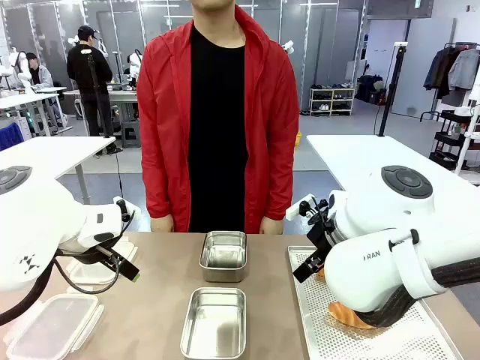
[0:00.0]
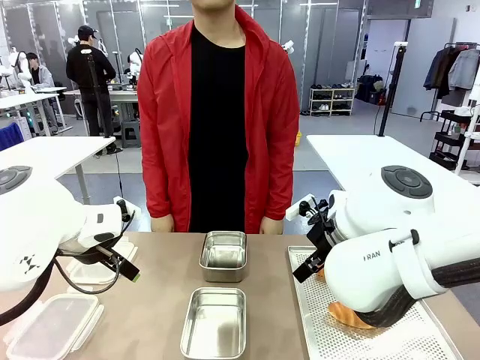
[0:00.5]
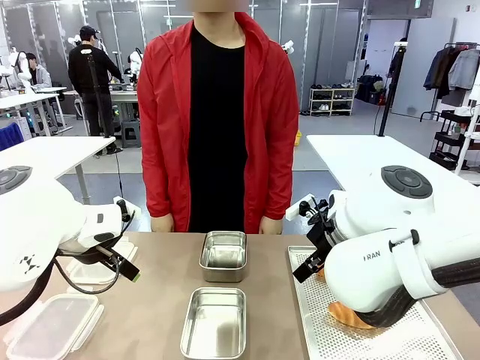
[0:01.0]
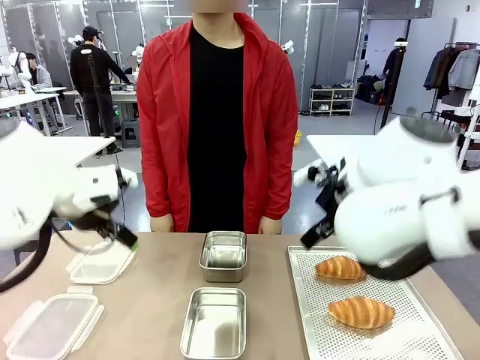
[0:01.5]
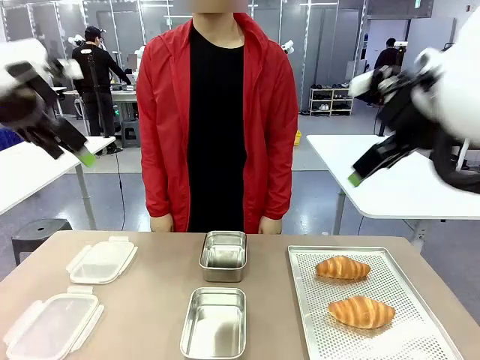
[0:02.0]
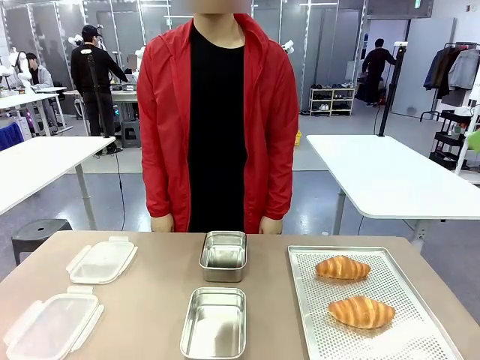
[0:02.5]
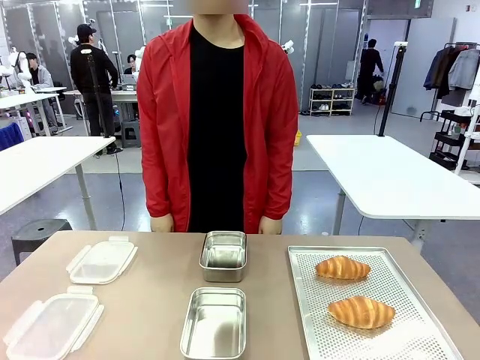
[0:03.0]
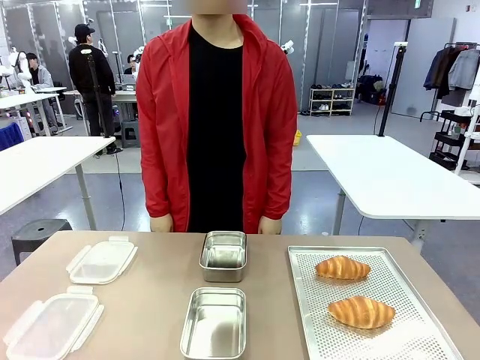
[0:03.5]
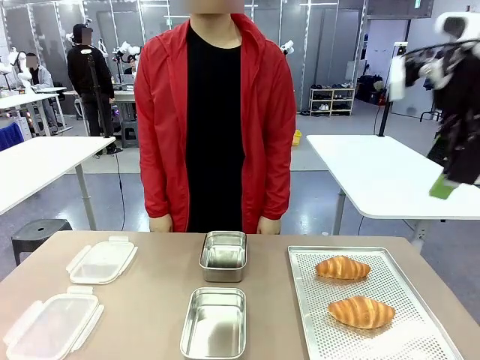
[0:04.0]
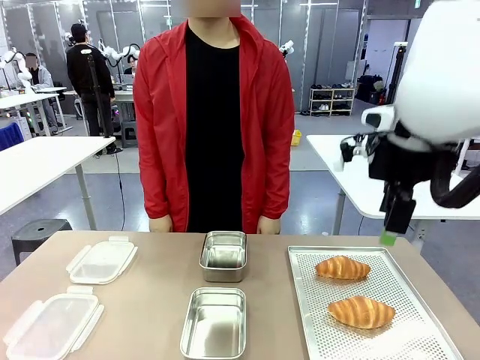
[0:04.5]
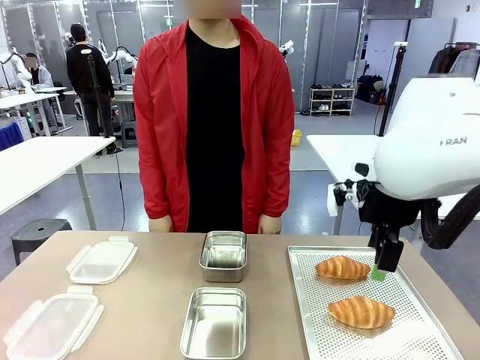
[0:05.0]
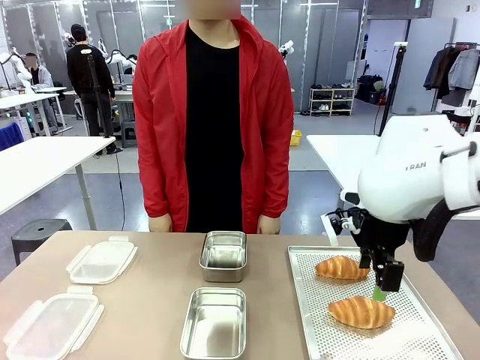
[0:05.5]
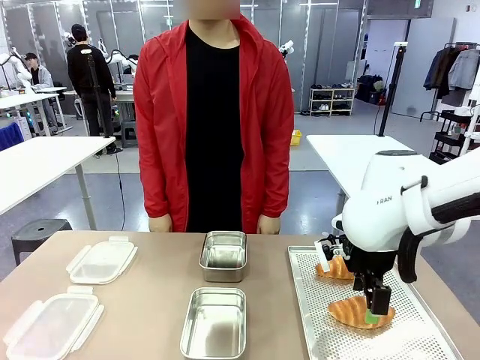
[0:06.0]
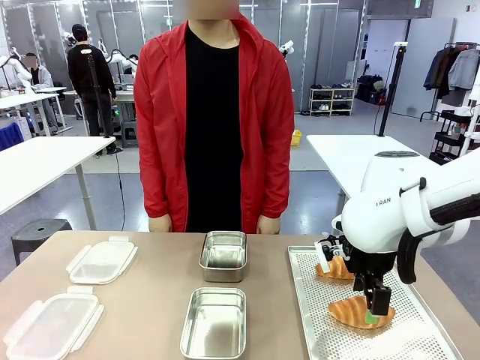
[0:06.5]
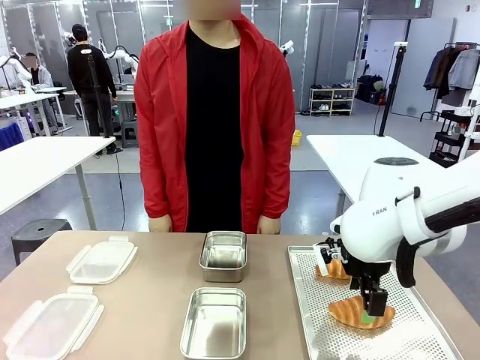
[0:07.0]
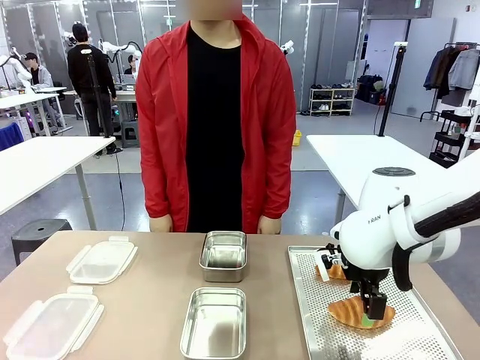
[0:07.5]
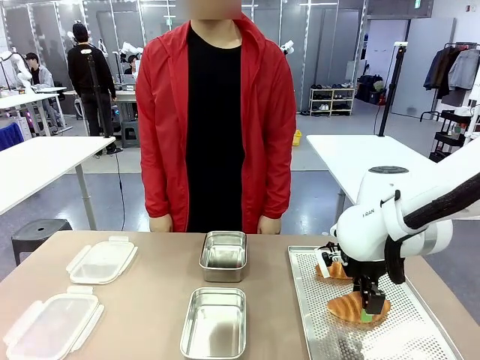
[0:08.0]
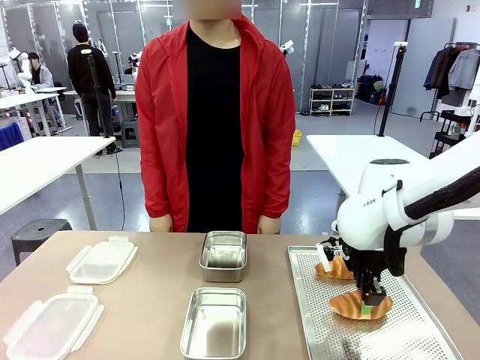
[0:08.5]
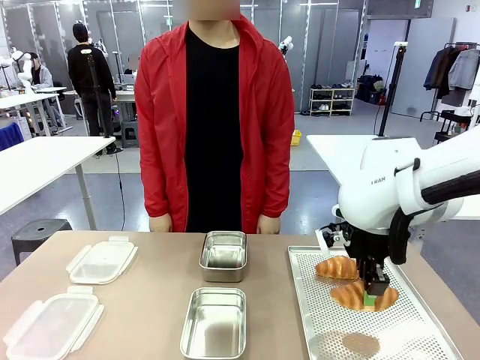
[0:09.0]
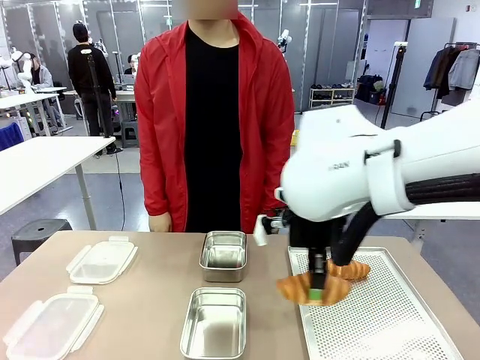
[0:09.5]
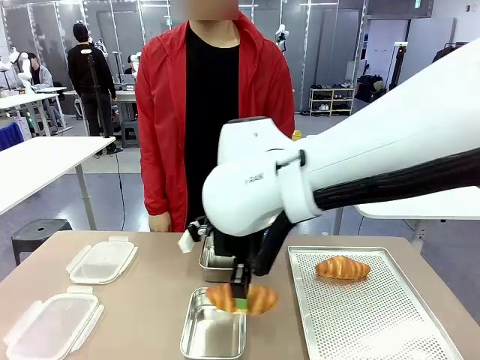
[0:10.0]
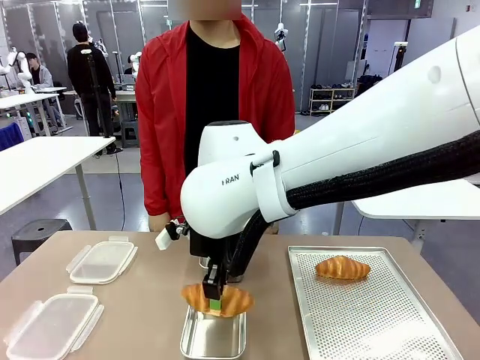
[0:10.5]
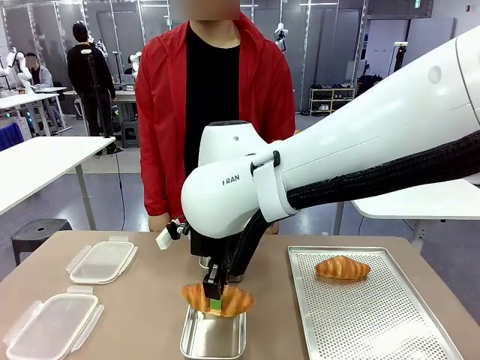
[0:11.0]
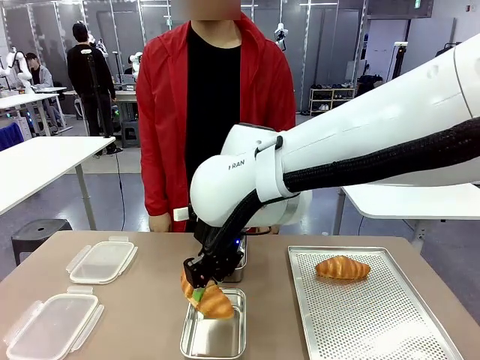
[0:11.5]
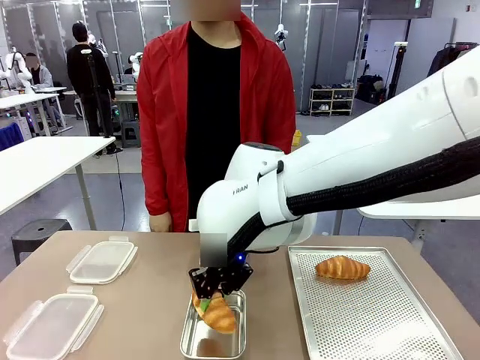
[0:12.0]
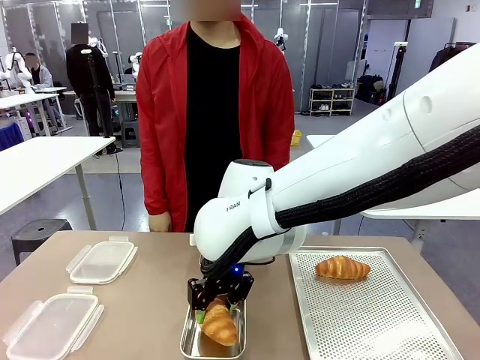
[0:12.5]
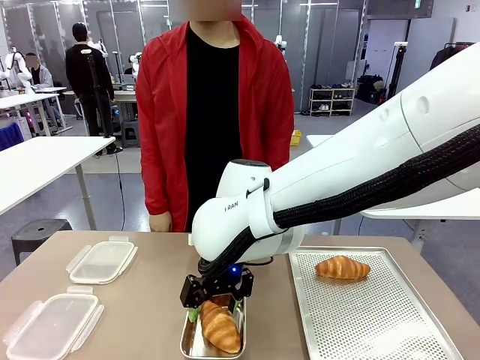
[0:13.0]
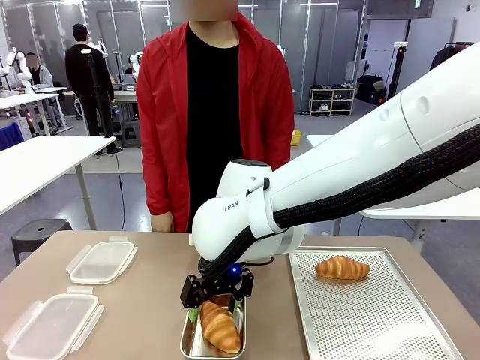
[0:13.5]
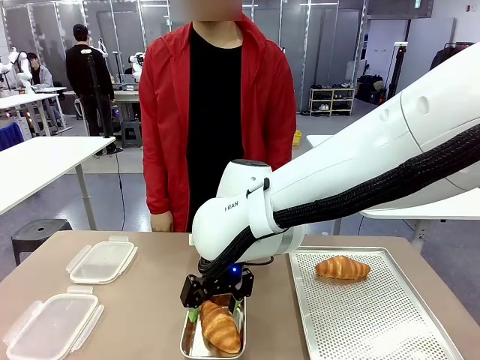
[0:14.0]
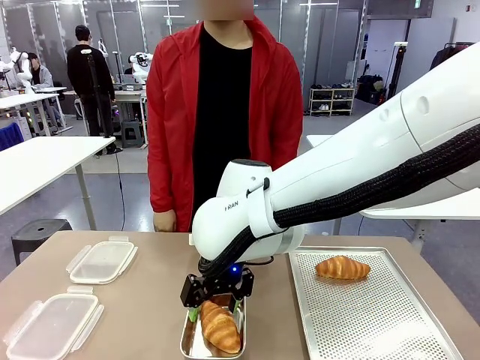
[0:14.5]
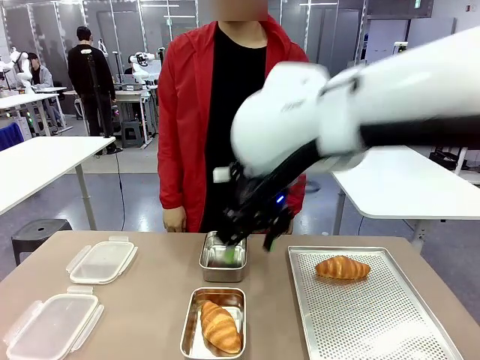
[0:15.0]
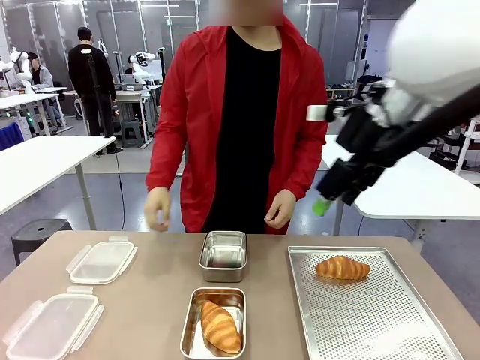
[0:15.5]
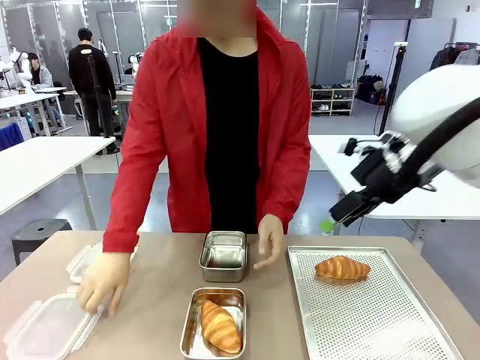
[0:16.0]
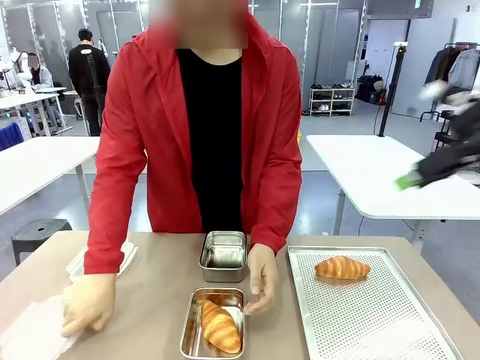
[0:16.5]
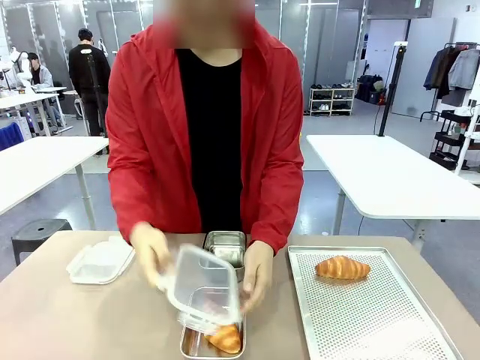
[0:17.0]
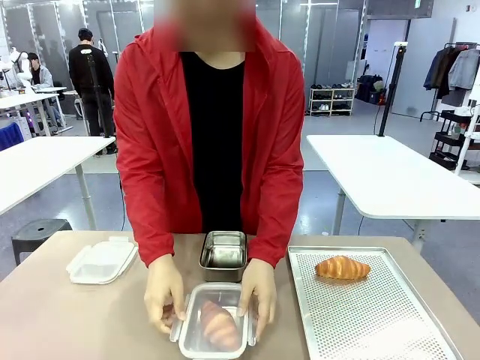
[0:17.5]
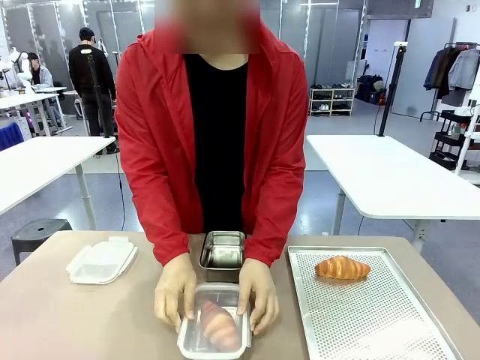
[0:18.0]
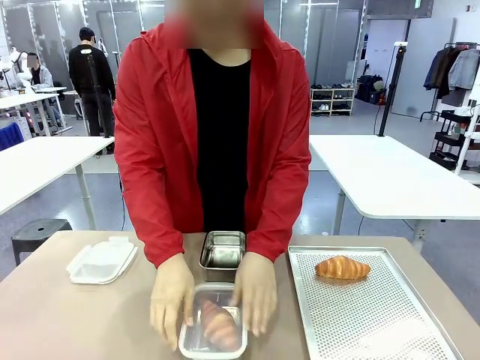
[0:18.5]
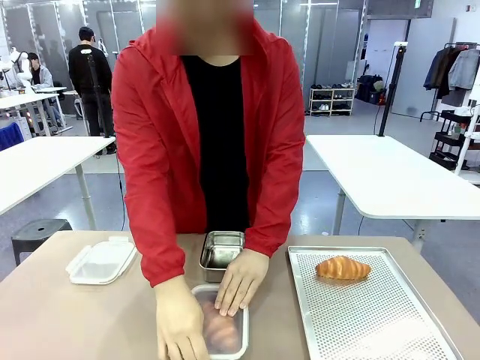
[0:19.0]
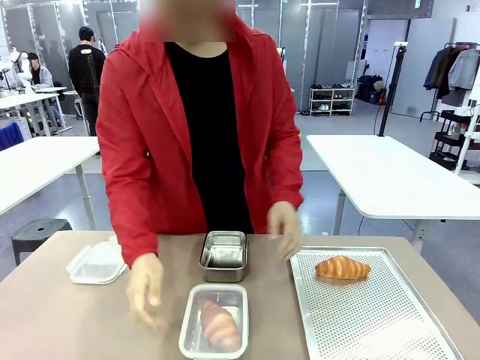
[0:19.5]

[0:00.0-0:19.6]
Task: Place the bread into the airtight container.
Robot: Pick up a Butter Roll and place it into an empty Airtight Container.
